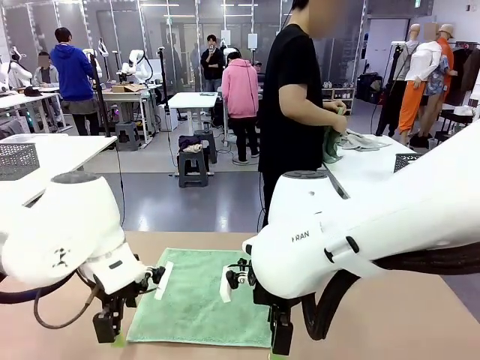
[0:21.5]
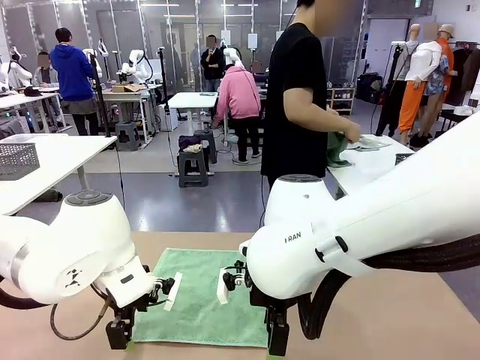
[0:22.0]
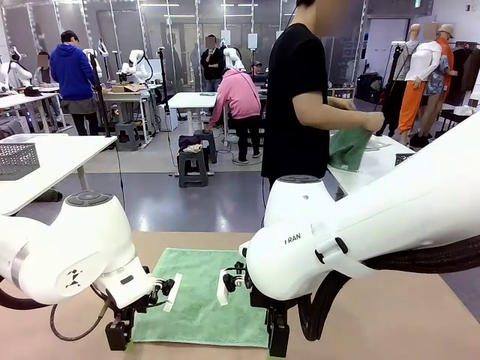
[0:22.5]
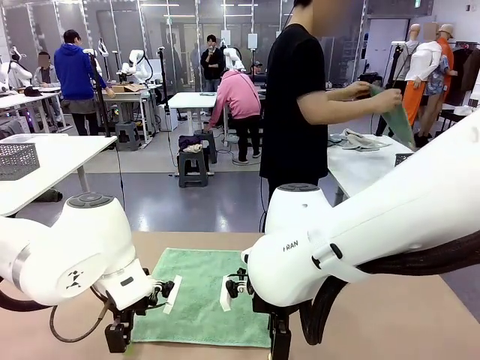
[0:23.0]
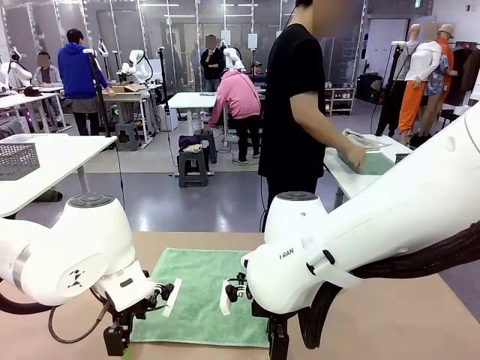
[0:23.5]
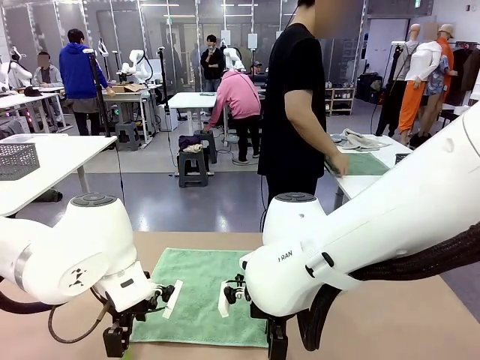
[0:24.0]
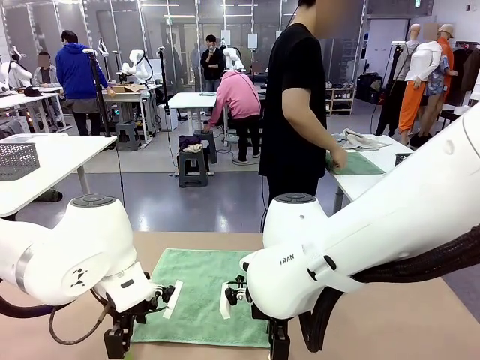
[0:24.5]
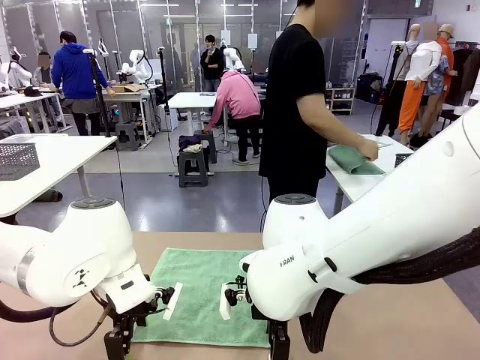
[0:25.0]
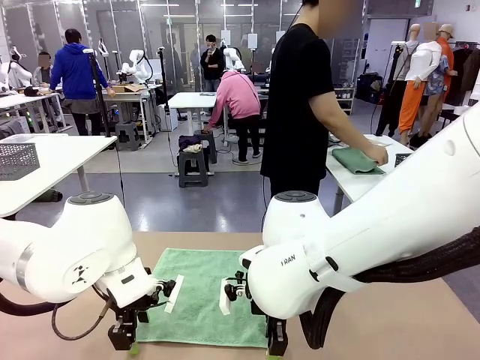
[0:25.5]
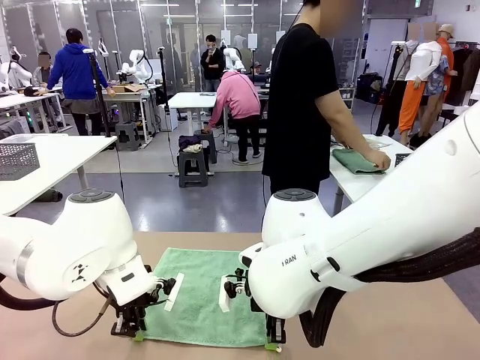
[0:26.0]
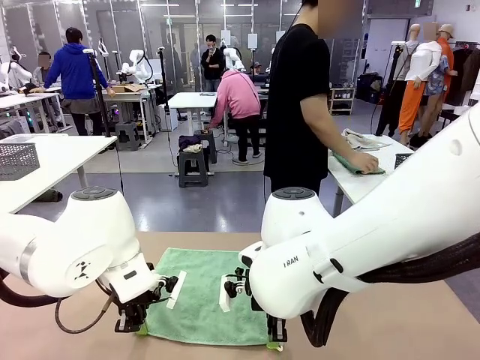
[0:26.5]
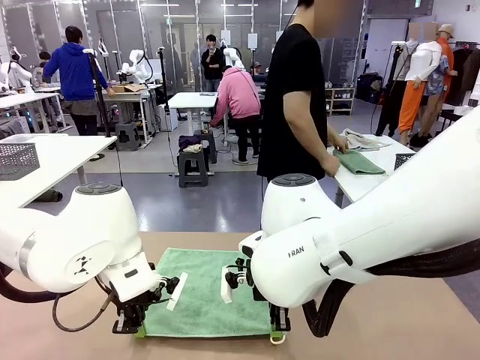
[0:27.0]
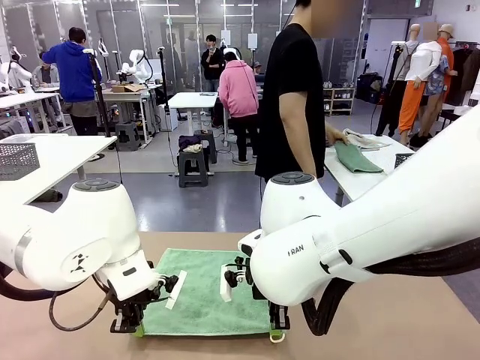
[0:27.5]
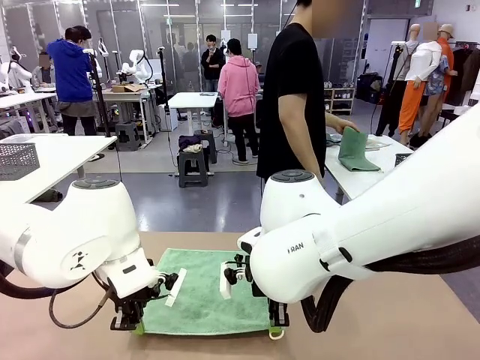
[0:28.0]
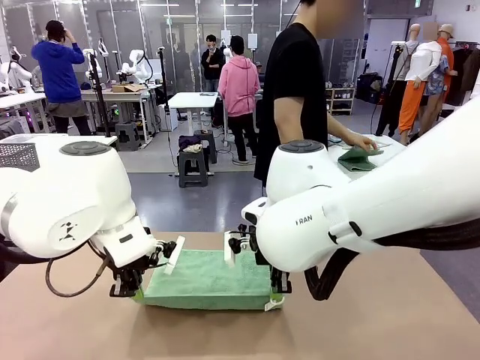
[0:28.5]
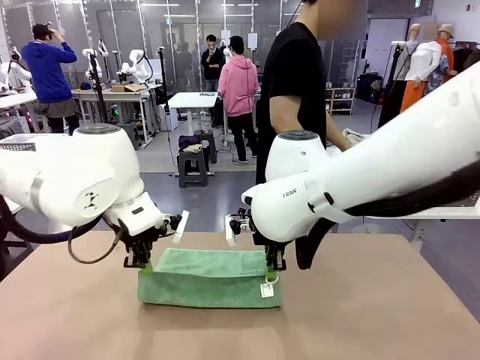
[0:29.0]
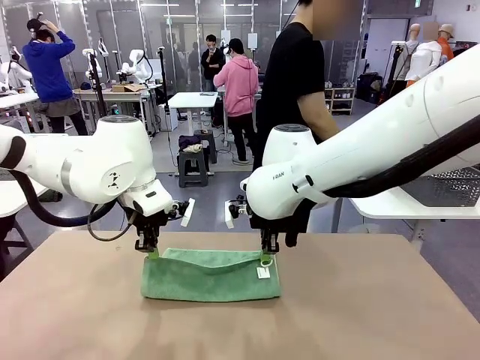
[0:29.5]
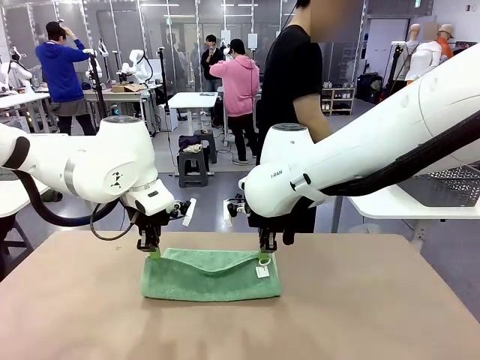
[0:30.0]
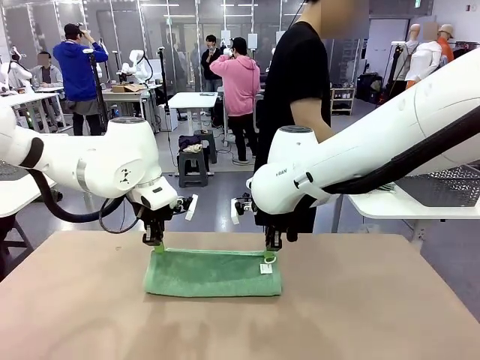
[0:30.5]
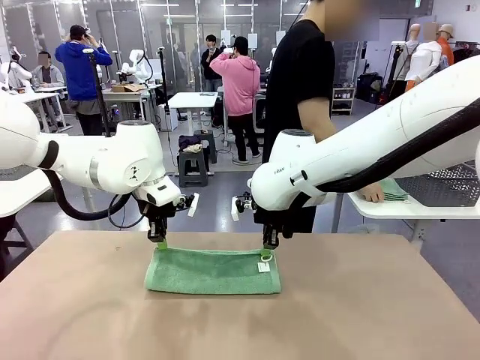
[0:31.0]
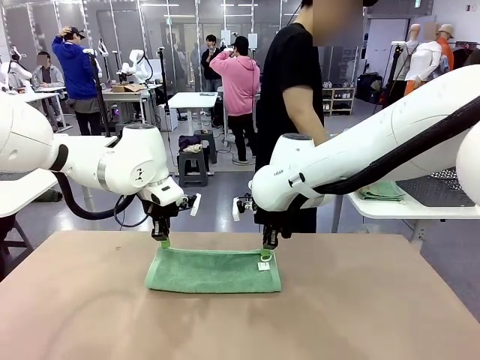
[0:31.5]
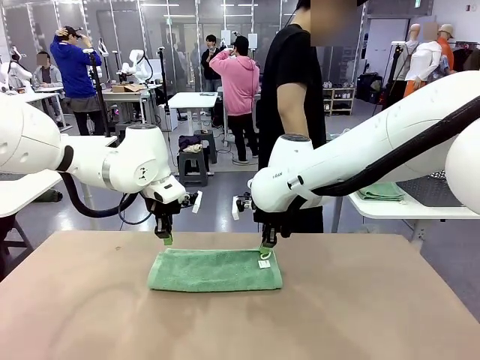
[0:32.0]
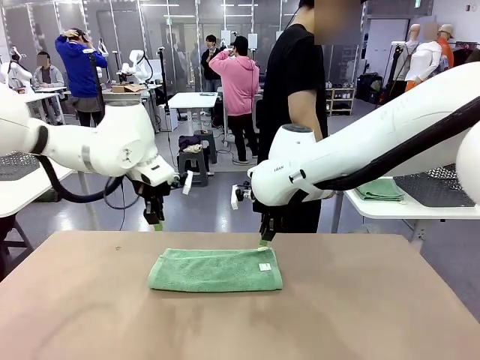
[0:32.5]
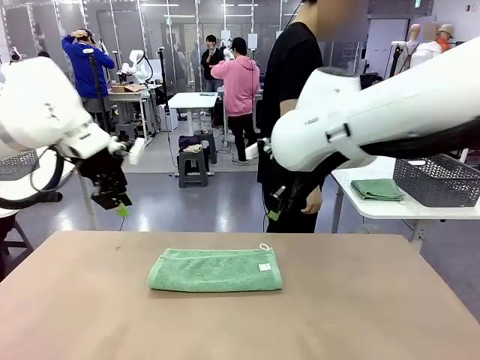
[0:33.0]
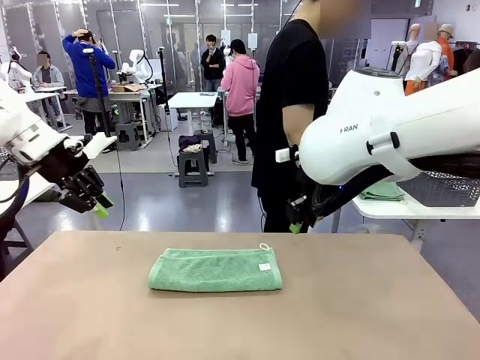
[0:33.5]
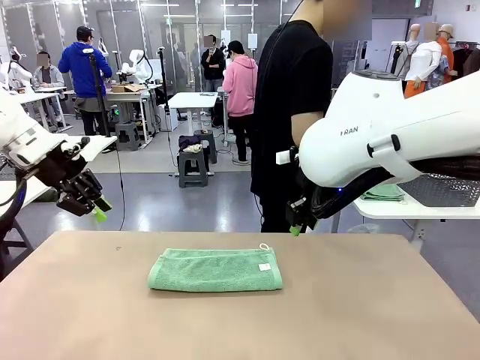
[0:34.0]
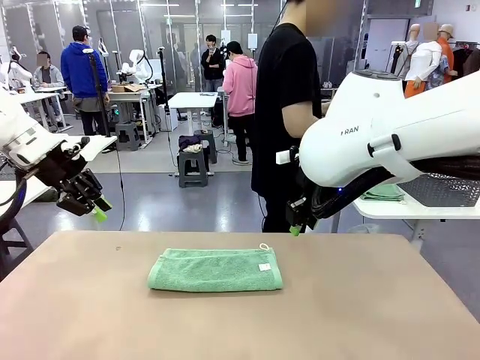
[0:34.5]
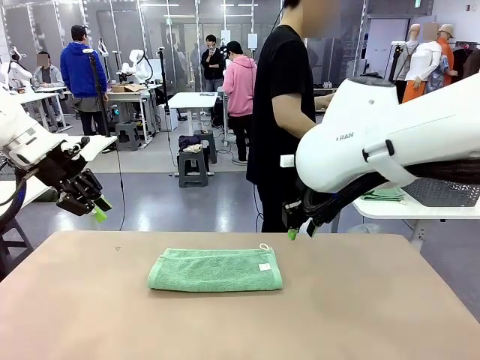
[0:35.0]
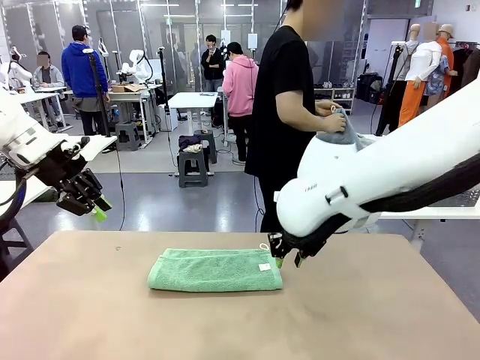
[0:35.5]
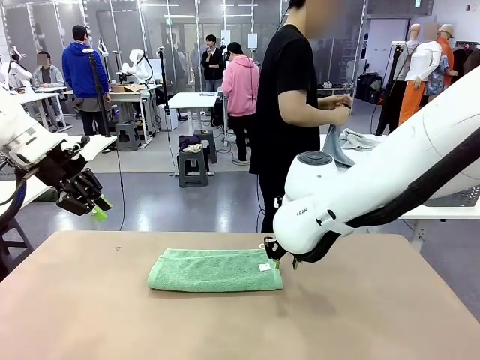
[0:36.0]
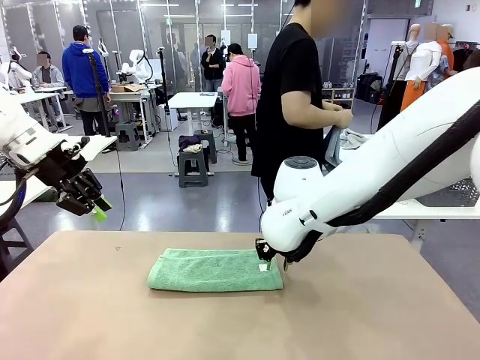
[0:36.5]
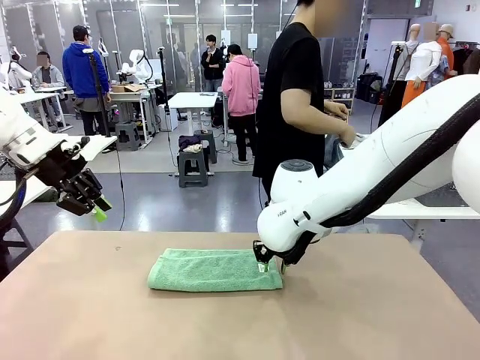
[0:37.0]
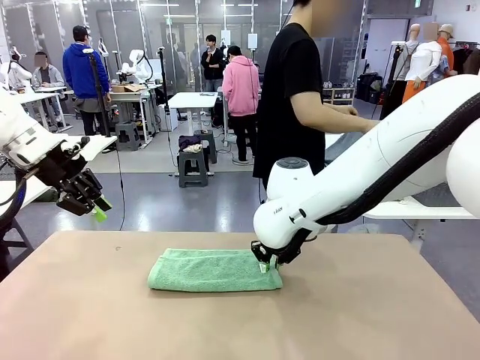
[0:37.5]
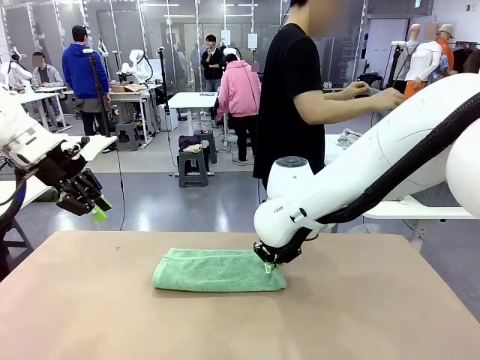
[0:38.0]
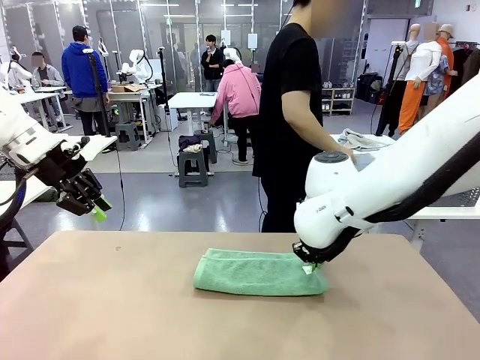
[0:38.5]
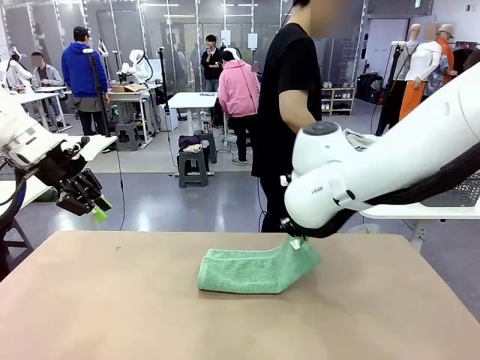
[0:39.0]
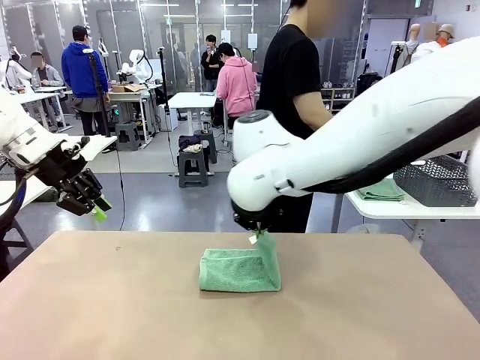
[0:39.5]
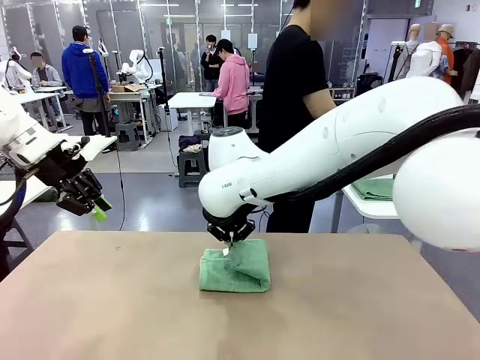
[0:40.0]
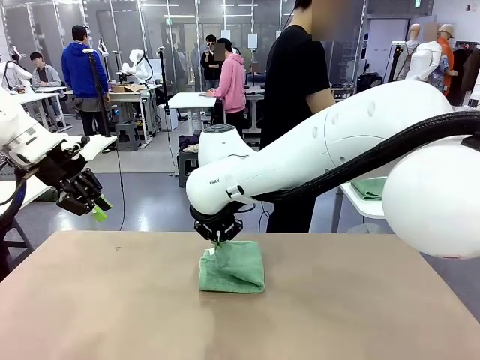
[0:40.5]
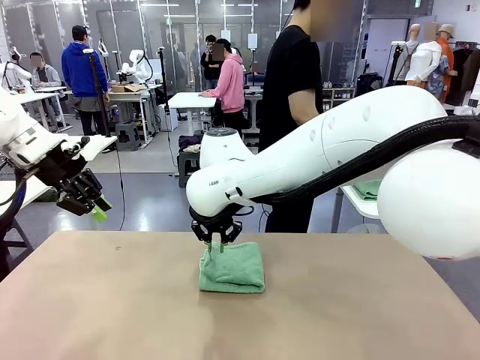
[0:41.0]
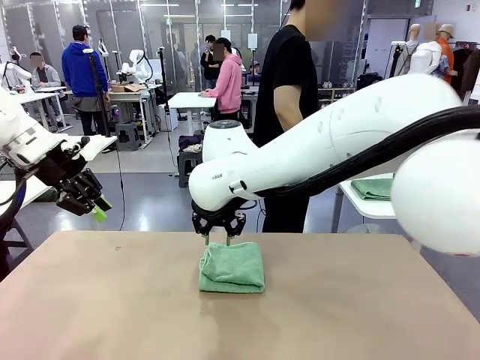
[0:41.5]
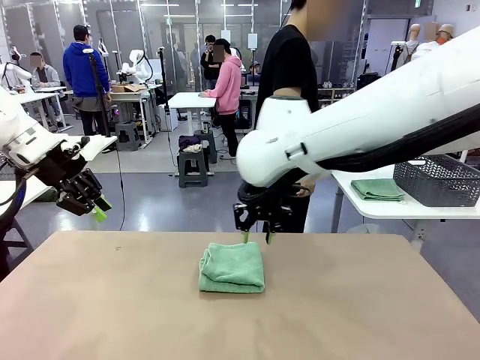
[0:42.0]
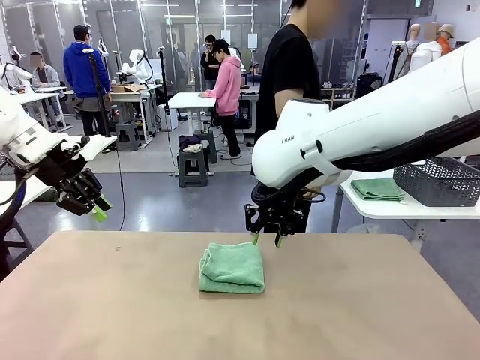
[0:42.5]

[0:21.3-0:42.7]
Task: Fold the towels and place them in the basket.
Robot: When a person lays out a Towel with hook on the table, fold it in half twice.
Person: Pick up one towel from the left side of the human table, fold it in half twice, and place it on the right side of the table. Pick up one towel from the left side of the human table, fold it in half twice, and stack it on the right side of the table.

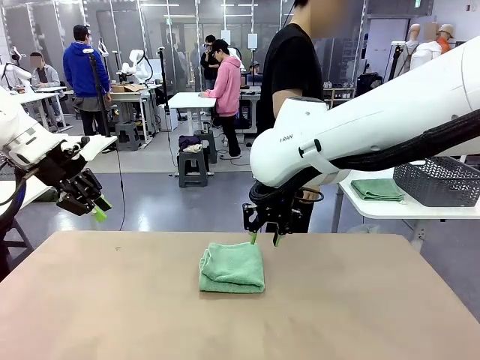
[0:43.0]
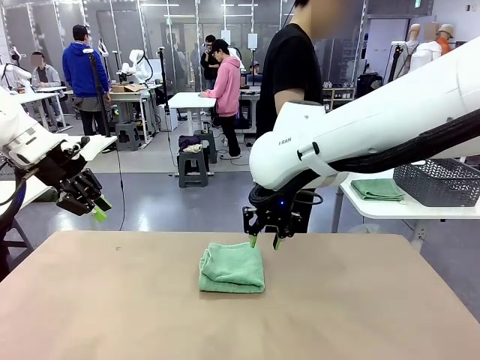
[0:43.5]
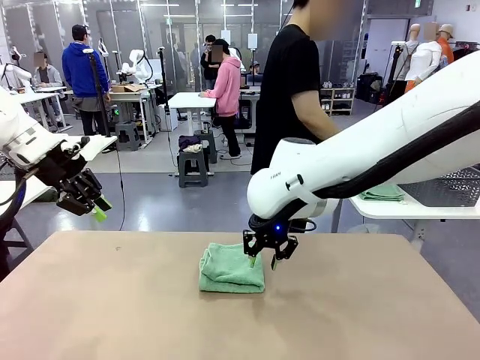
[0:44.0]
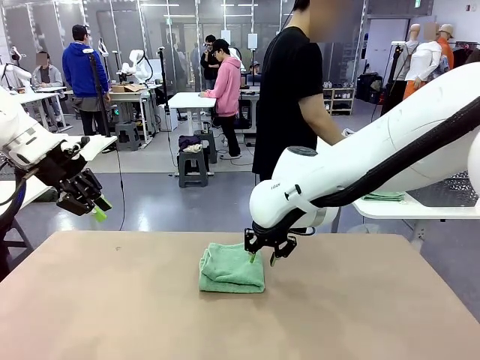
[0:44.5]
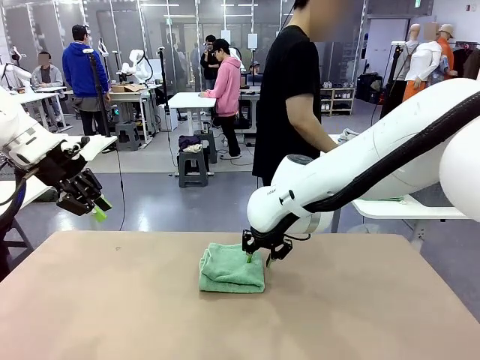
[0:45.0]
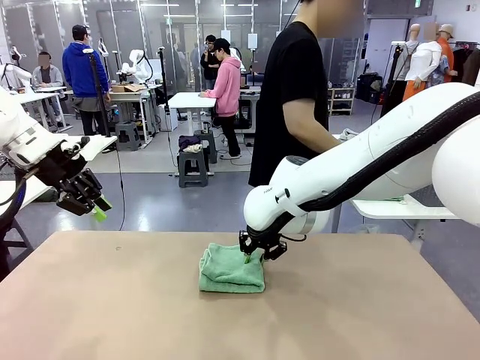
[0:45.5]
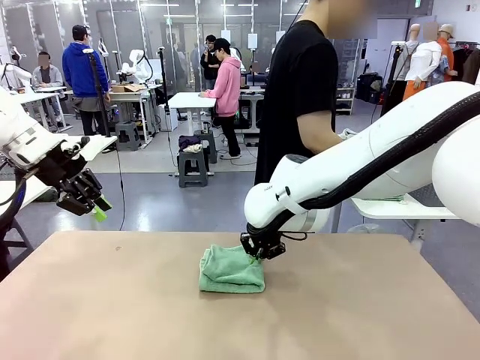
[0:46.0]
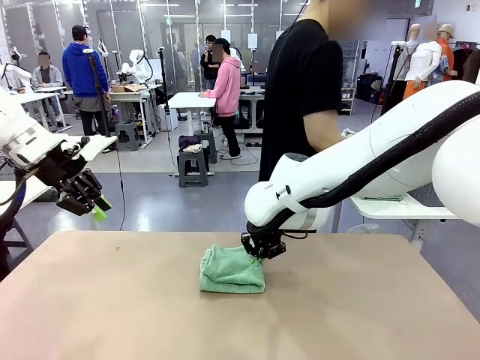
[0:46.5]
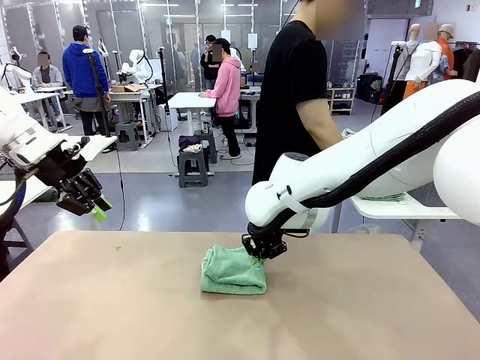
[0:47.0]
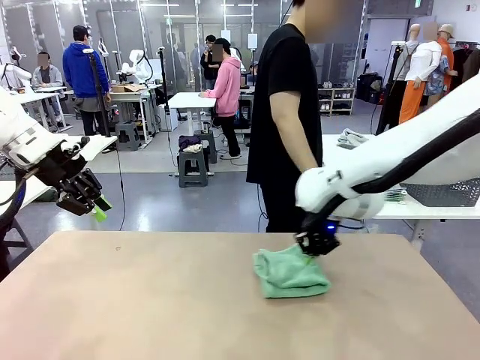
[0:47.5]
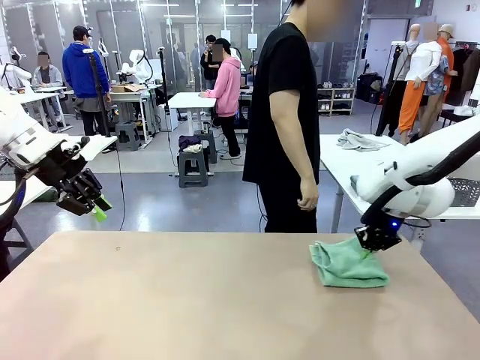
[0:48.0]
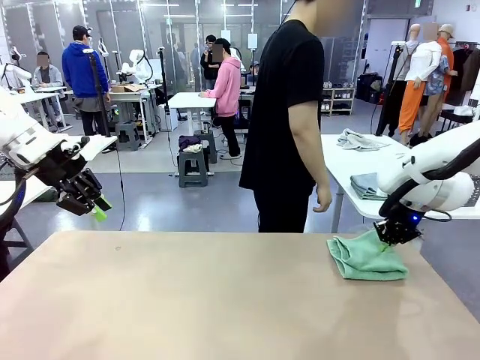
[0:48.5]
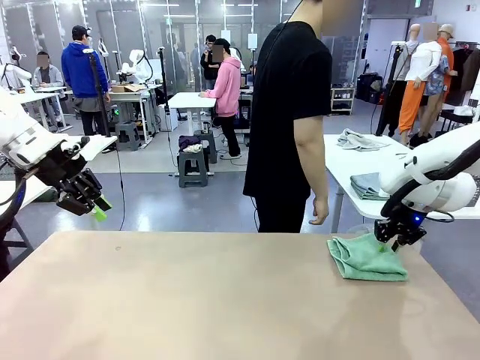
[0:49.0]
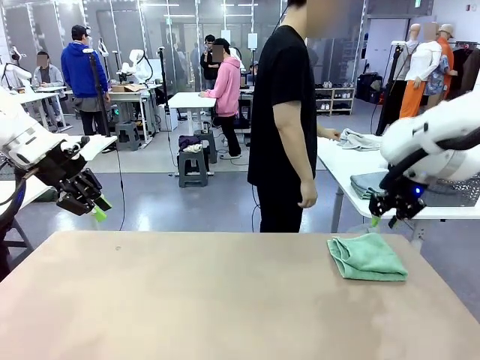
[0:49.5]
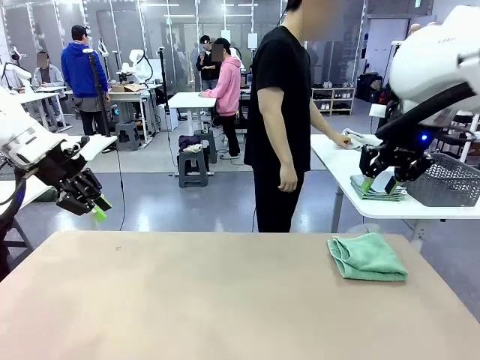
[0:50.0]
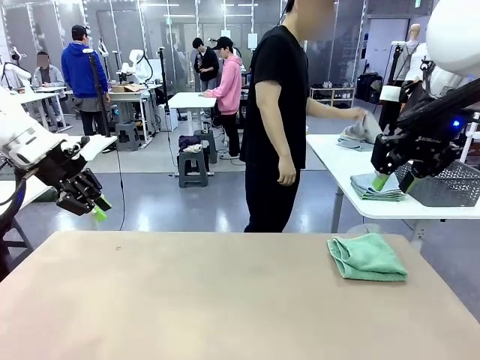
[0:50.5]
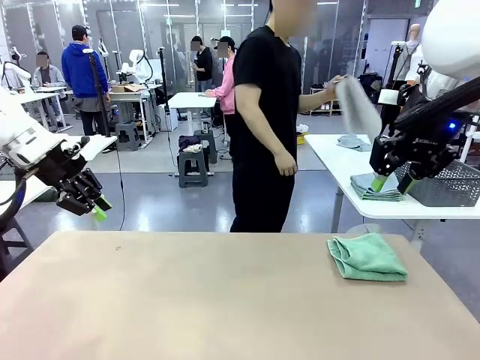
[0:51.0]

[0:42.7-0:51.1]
Robot: Place the folded Towel with hook on the right side of the table.
